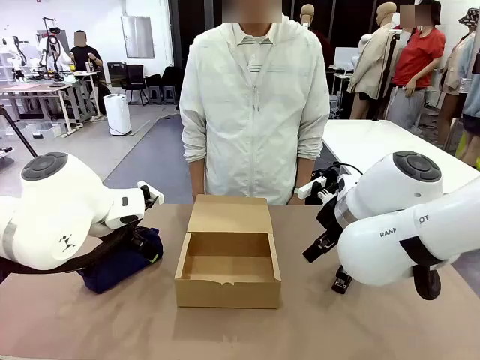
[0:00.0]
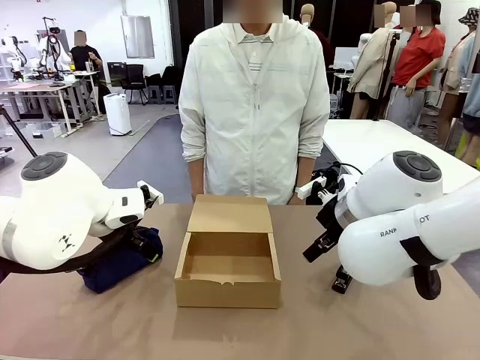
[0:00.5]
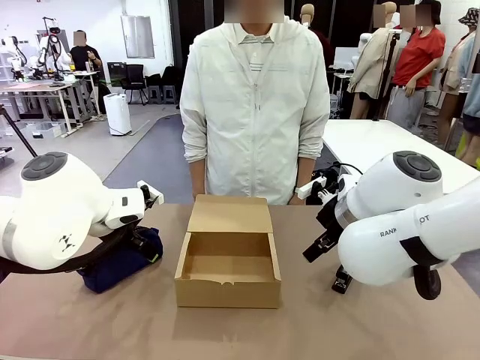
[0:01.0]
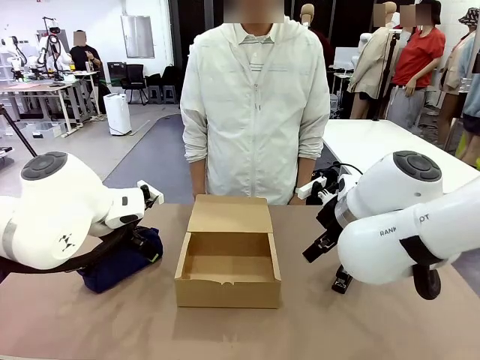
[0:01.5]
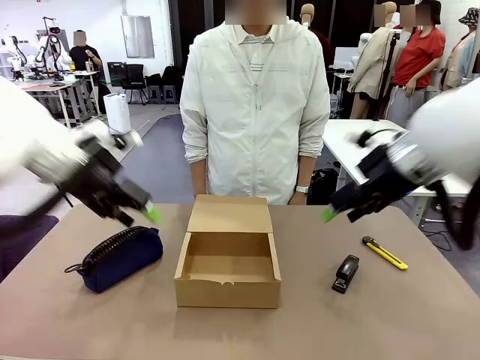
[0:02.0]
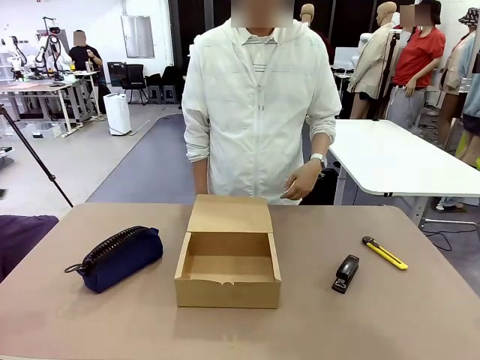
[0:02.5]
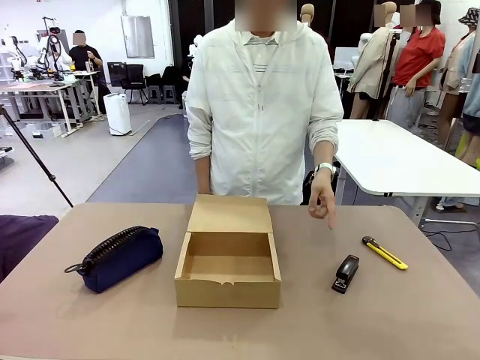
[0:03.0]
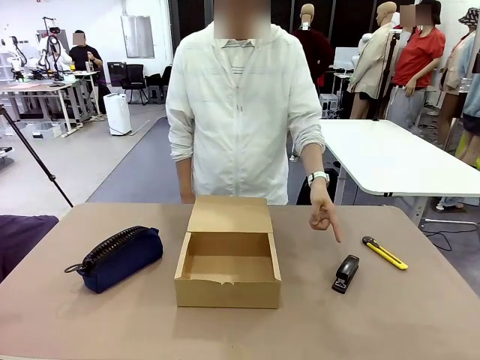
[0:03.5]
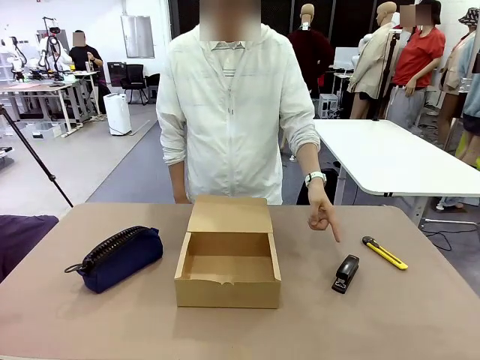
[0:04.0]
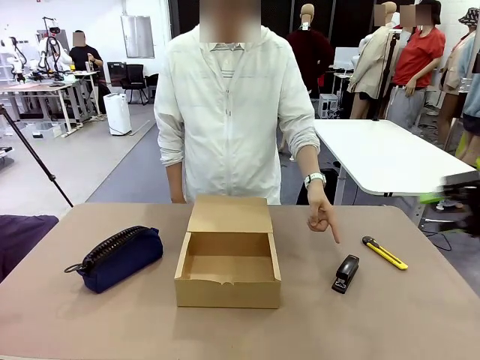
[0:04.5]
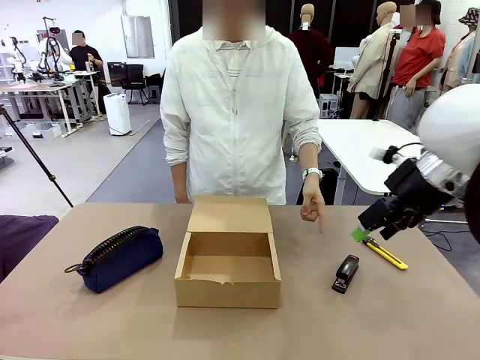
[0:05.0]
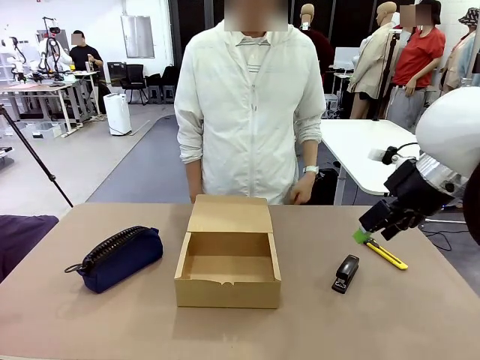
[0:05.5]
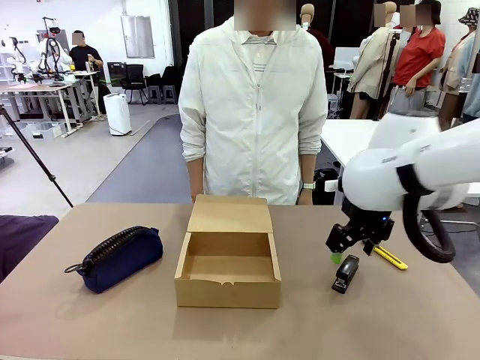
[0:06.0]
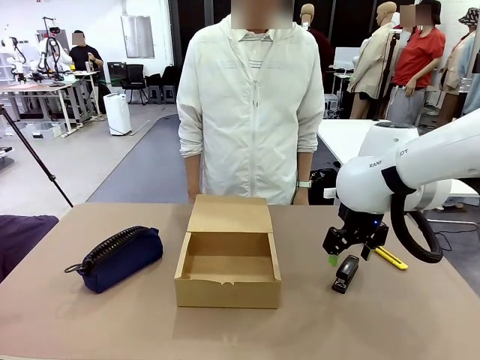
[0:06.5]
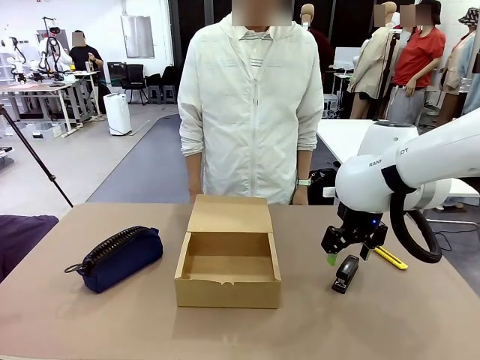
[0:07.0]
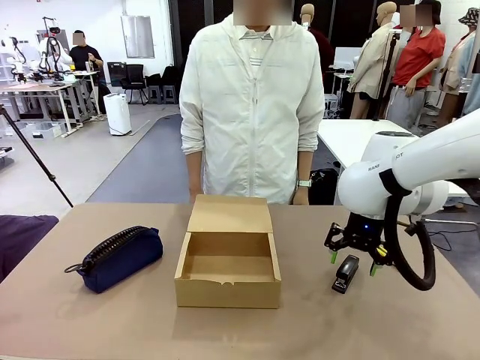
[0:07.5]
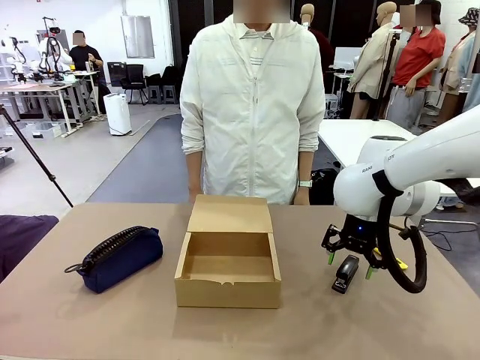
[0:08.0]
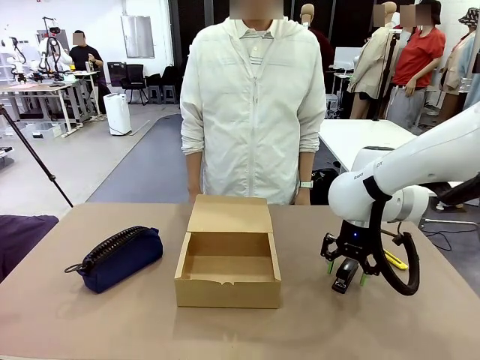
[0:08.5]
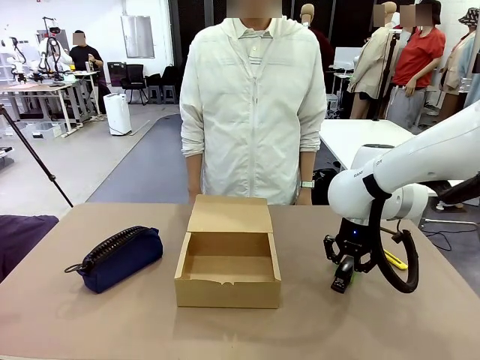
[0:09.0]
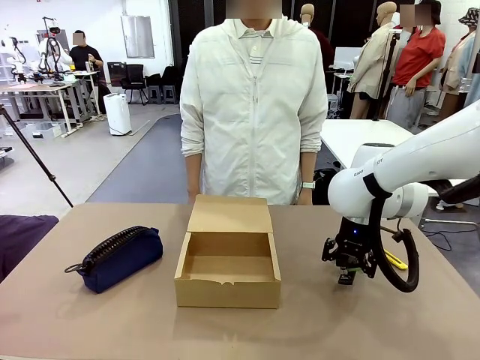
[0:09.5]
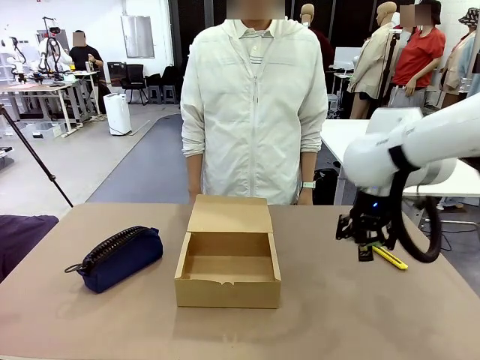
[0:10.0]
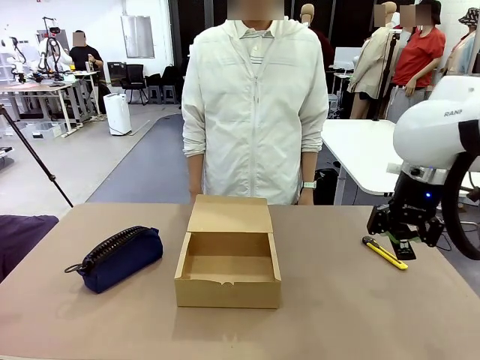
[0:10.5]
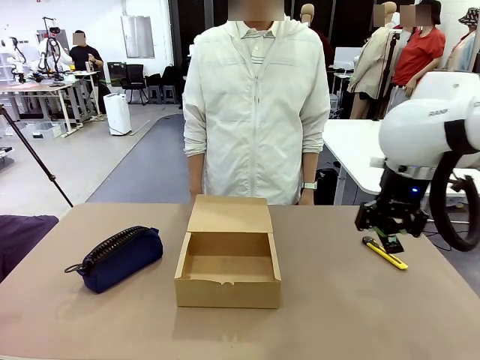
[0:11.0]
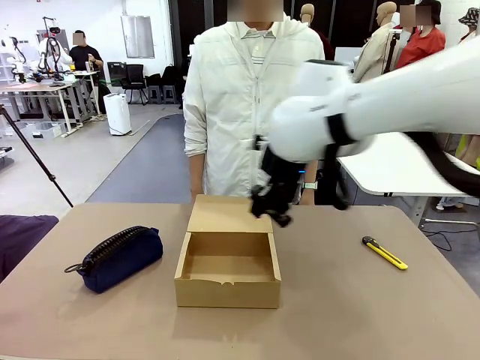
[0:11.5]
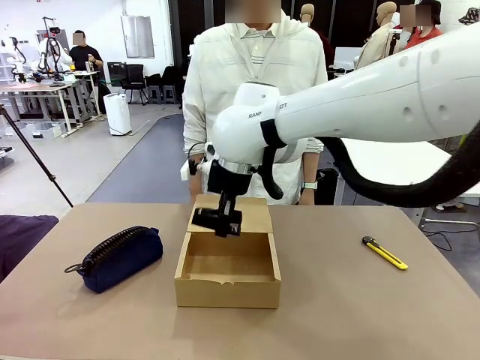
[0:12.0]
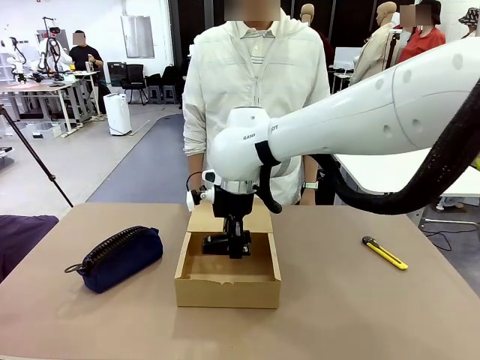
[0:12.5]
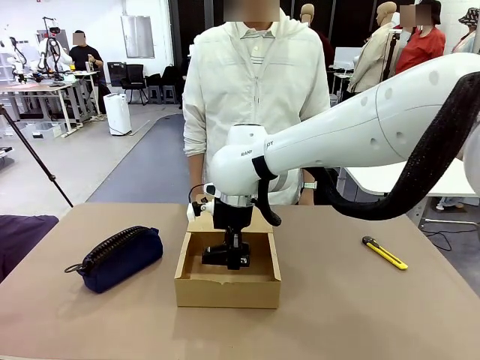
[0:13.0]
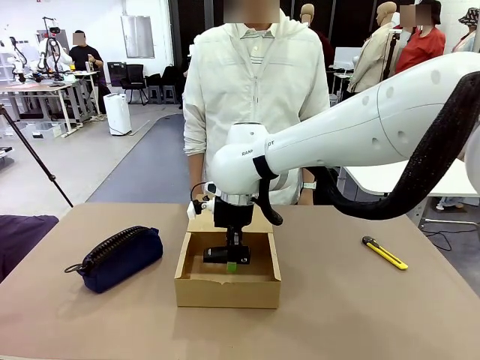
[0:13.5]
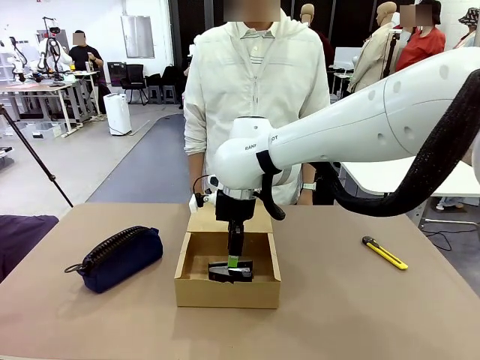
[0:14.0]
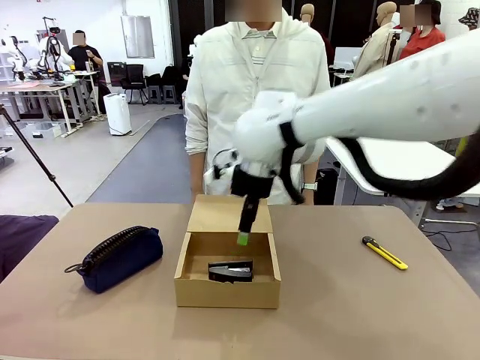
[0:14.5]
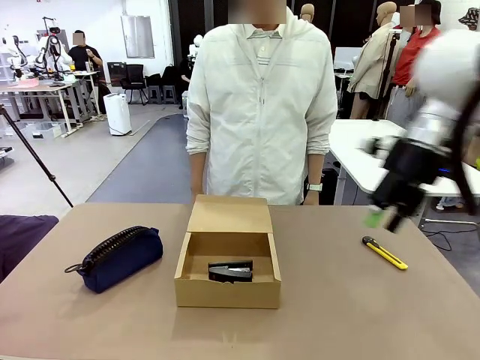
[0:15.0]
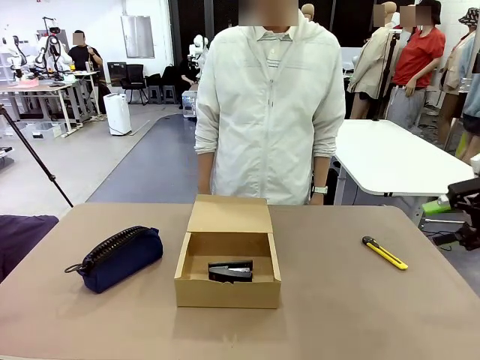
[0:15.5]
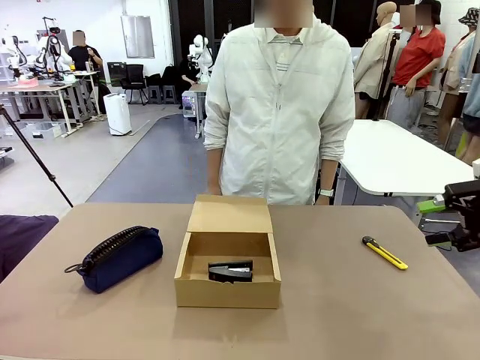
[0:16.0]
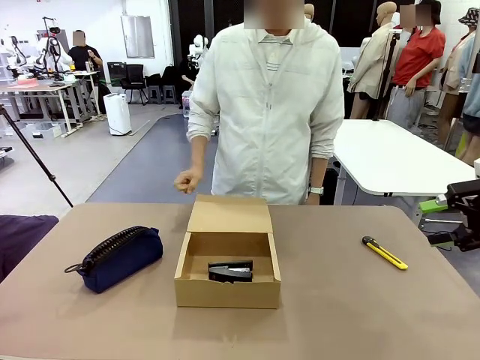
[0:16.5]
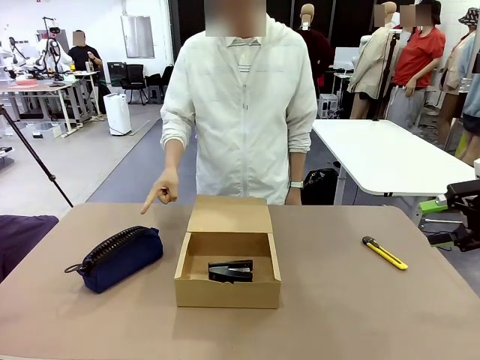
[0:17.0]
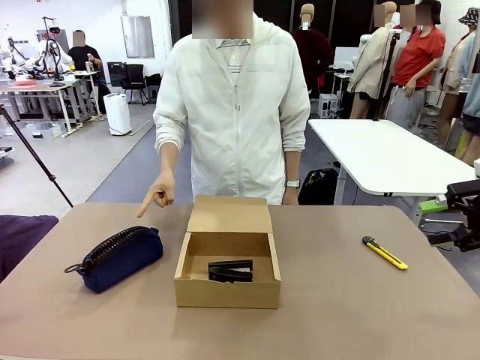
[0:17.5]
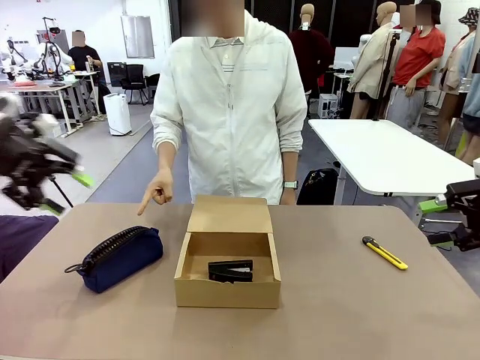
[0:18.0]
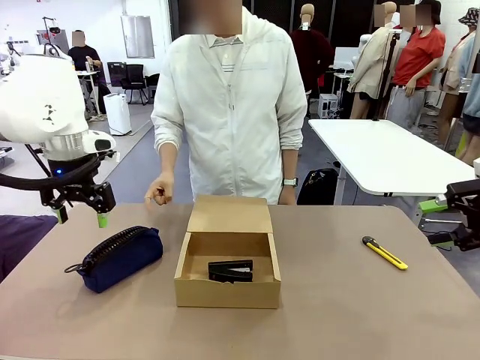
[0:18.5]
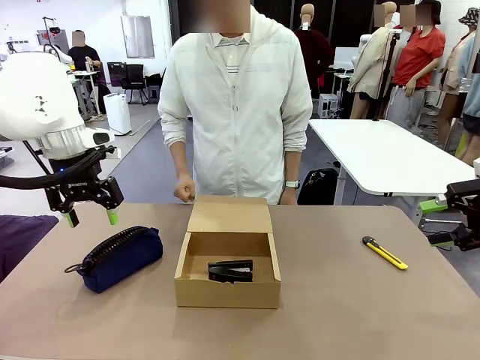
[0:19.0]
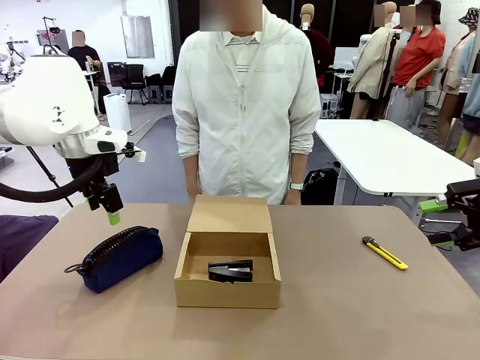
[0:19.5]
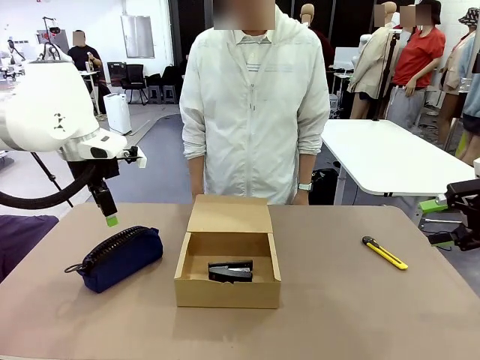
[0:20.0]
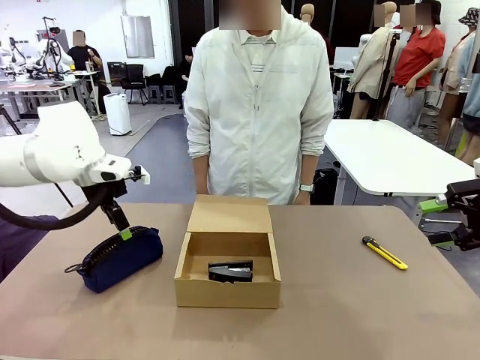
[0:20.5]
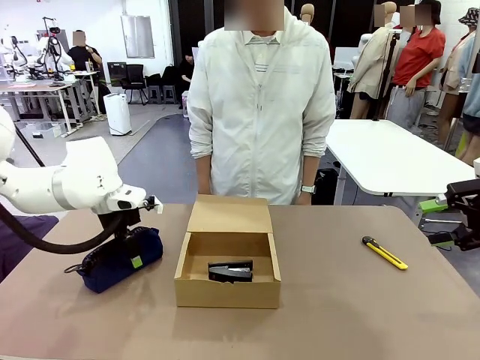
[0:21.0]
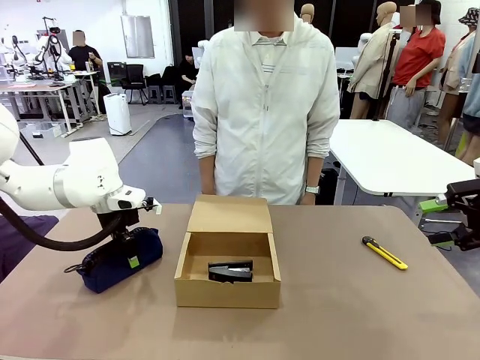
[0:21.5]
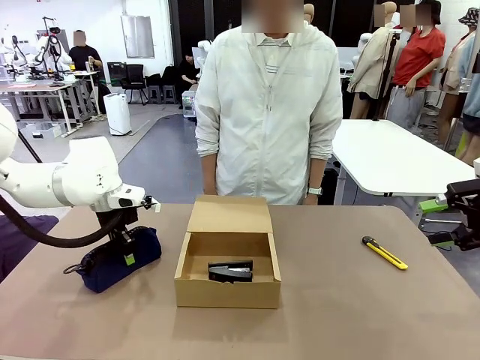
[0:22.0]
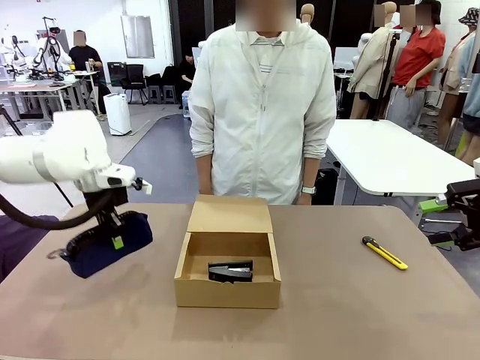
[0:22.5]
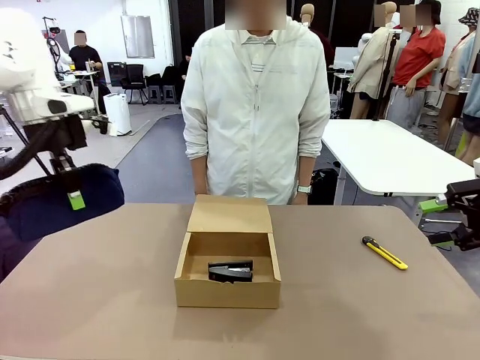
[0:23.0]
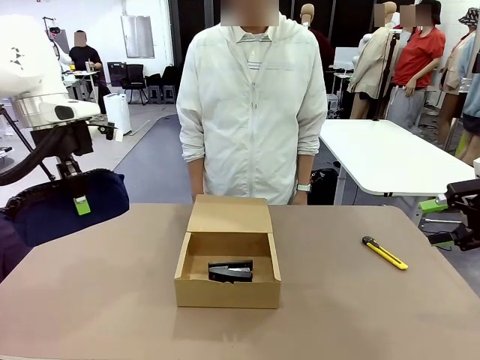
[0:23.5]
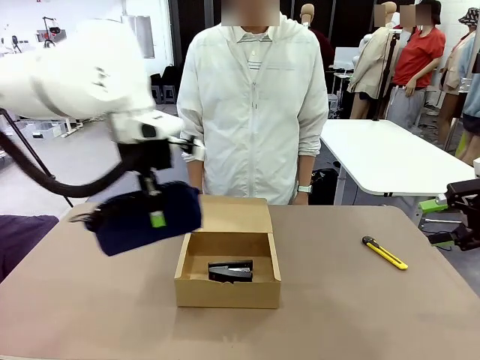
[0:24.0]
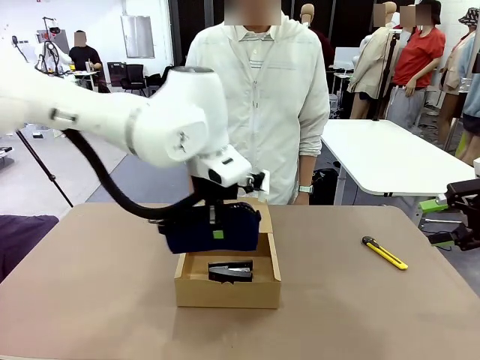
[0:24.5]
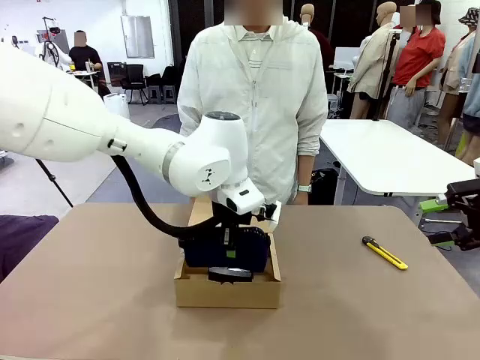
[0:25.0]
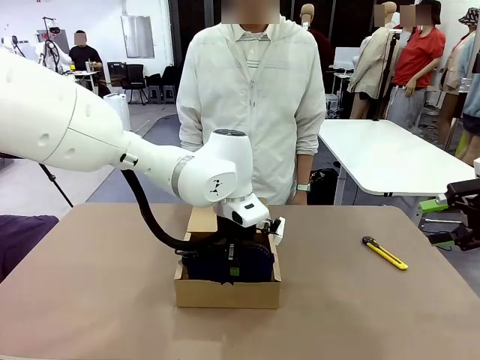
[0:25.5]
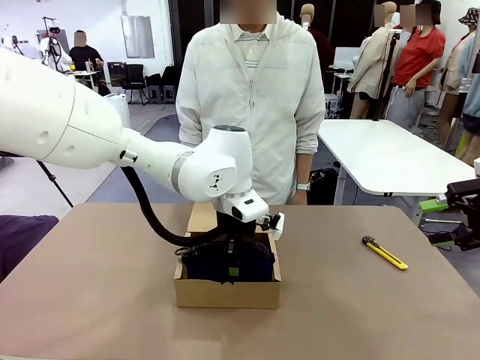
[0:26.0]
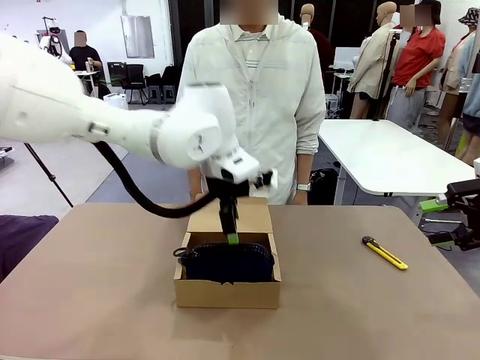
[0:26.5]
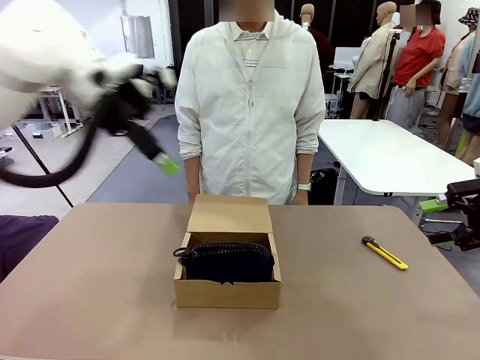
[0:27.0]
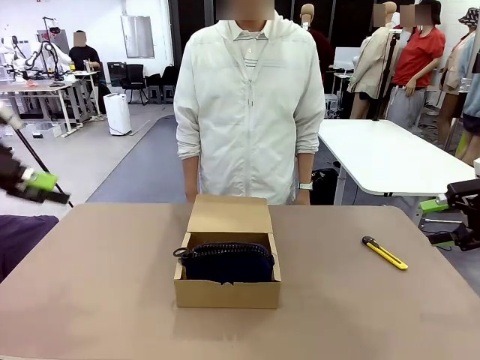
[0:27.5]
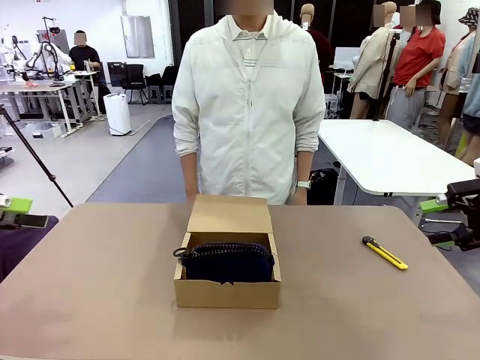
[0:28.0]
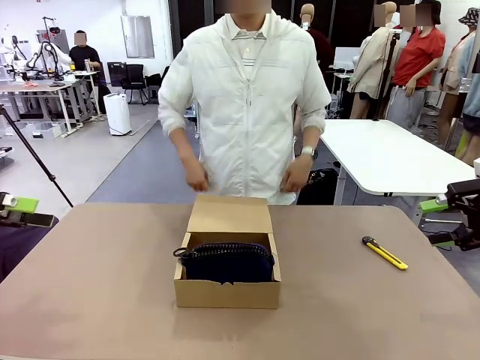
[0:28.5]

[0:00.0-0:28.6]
Task: Pack the items into the box.
Robot: Pick up the item specified by the human and place it in the Mailer Box.
Person: Point at one item on the table (excluding the box). Lower both hands vertically with palms facing downward, as if pressing something closed.
